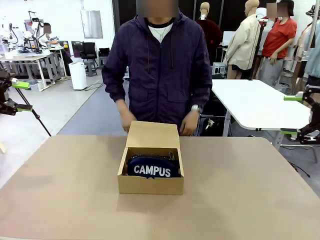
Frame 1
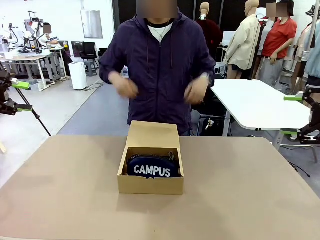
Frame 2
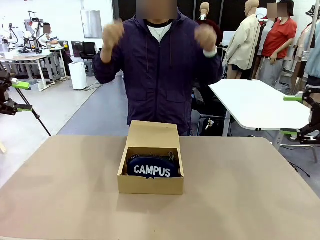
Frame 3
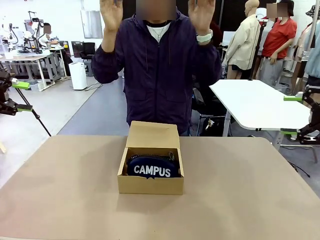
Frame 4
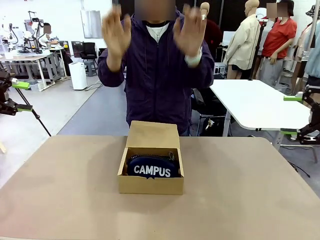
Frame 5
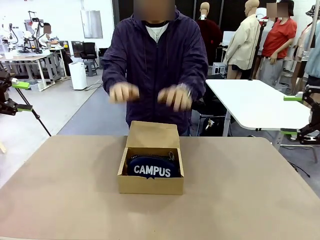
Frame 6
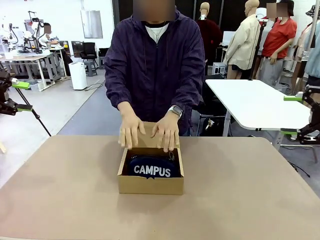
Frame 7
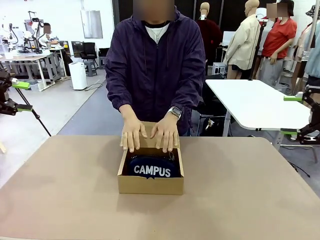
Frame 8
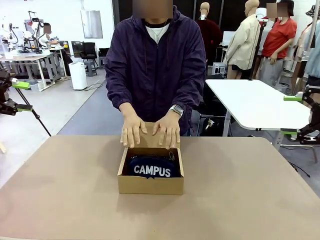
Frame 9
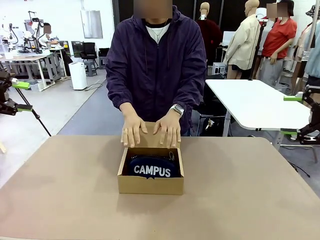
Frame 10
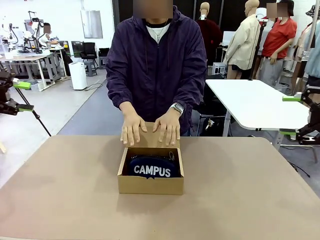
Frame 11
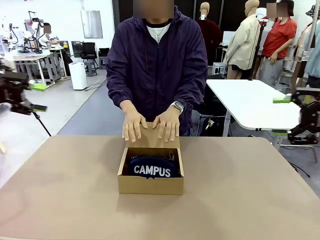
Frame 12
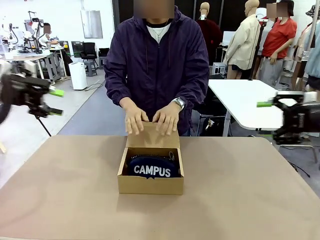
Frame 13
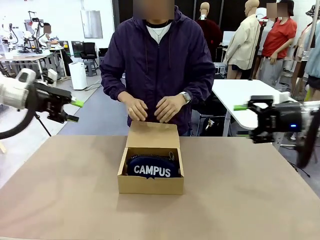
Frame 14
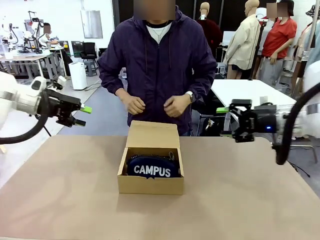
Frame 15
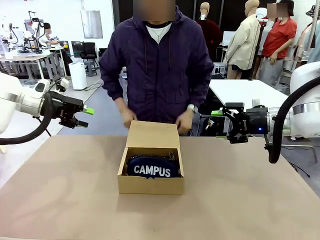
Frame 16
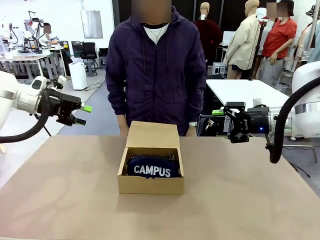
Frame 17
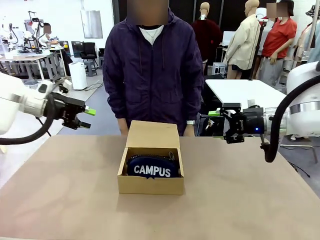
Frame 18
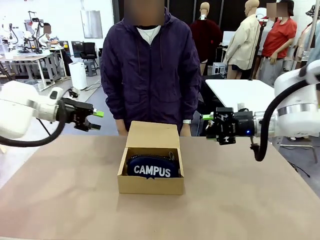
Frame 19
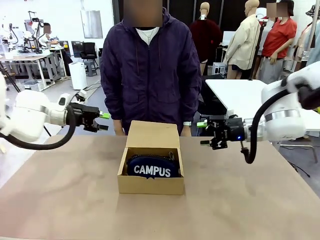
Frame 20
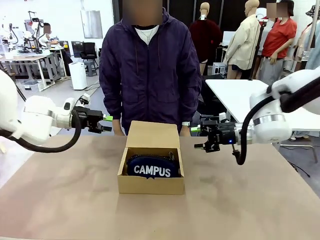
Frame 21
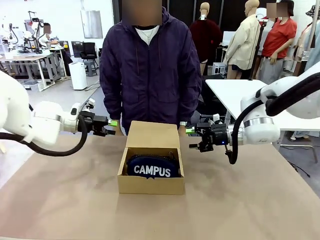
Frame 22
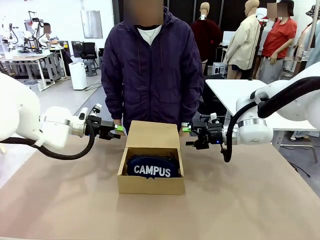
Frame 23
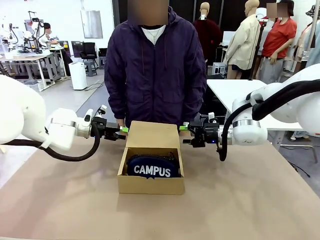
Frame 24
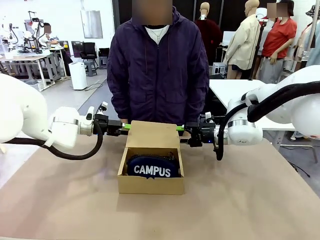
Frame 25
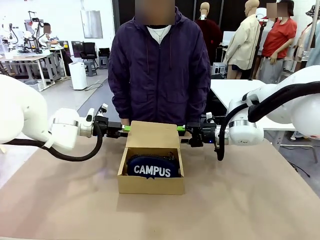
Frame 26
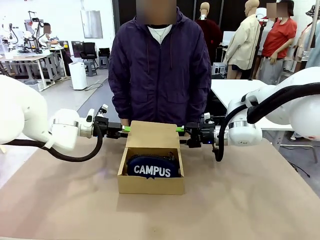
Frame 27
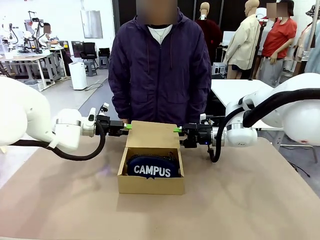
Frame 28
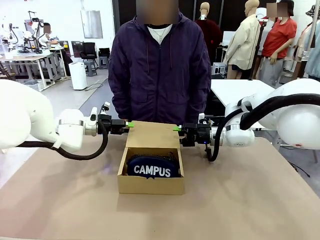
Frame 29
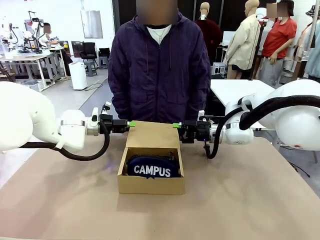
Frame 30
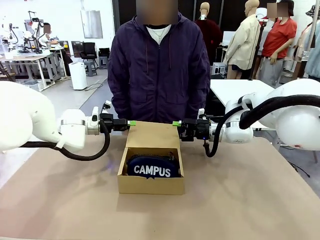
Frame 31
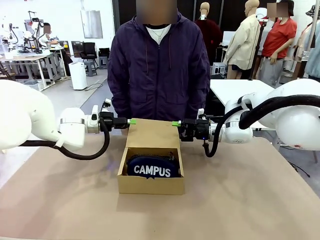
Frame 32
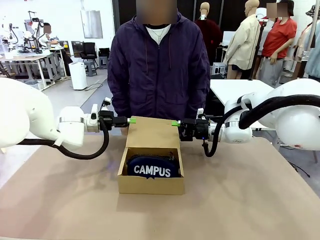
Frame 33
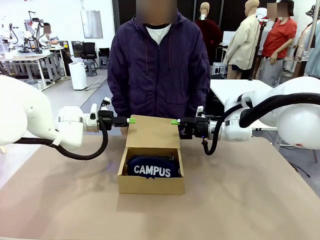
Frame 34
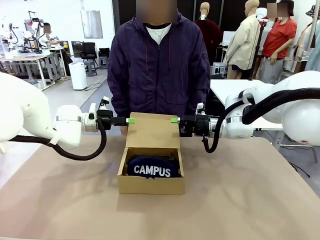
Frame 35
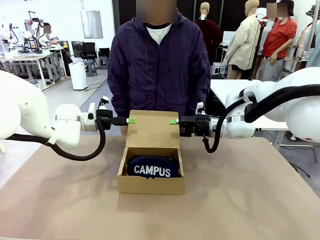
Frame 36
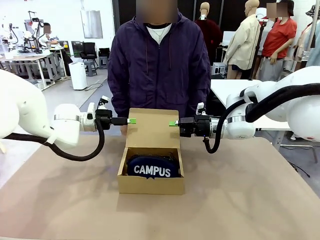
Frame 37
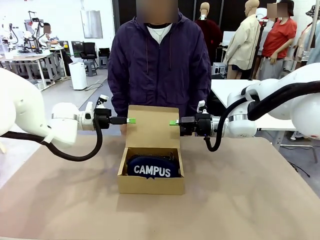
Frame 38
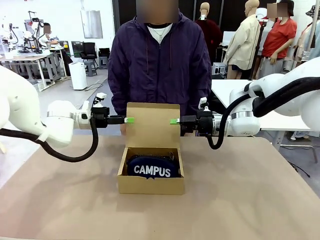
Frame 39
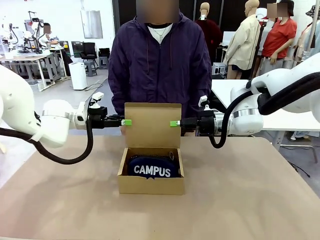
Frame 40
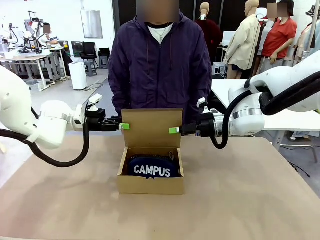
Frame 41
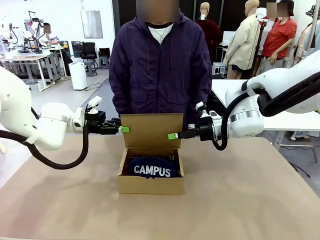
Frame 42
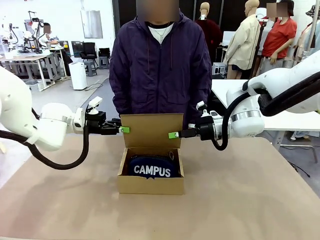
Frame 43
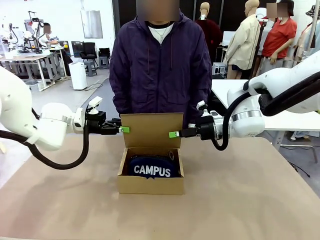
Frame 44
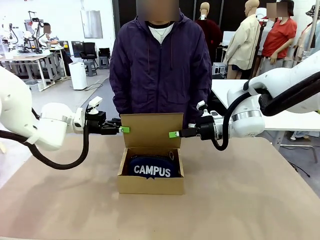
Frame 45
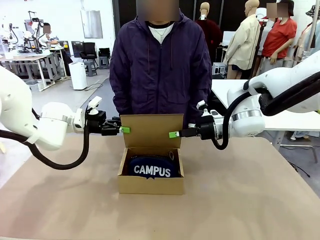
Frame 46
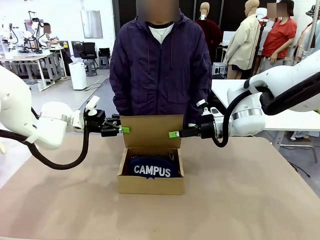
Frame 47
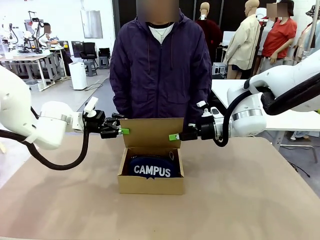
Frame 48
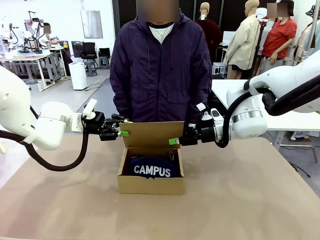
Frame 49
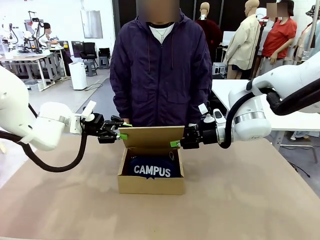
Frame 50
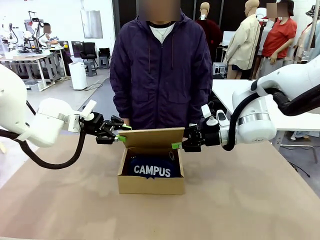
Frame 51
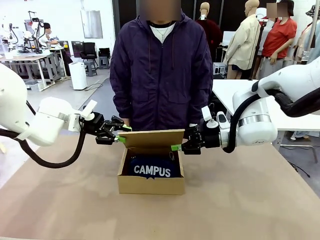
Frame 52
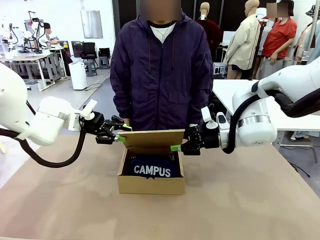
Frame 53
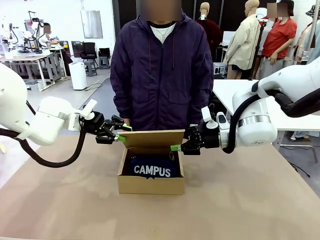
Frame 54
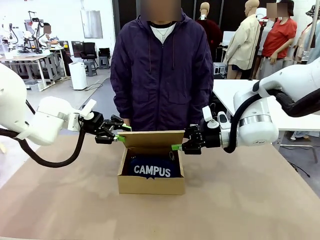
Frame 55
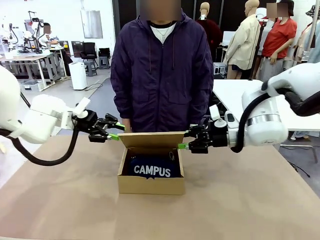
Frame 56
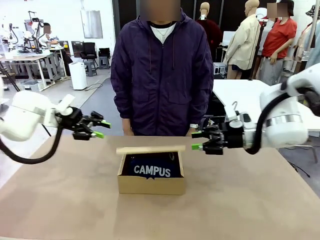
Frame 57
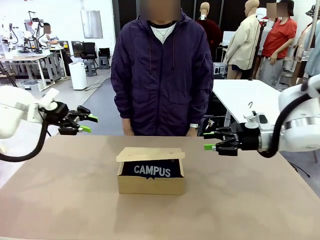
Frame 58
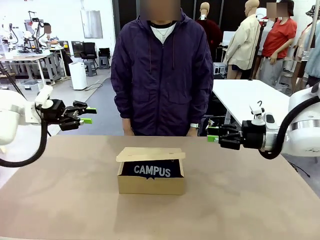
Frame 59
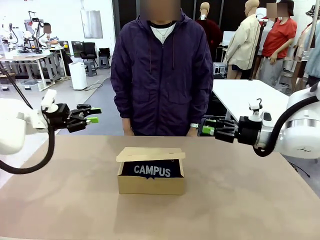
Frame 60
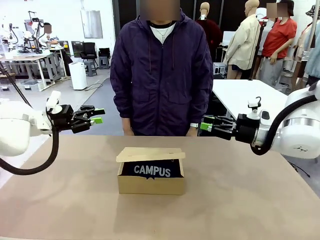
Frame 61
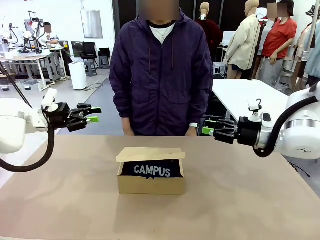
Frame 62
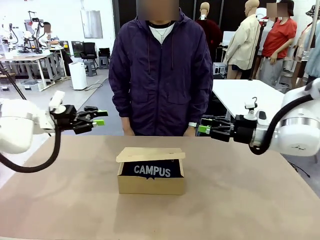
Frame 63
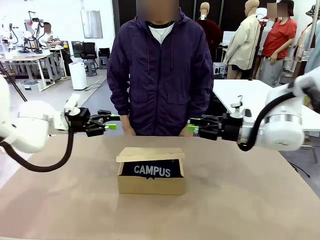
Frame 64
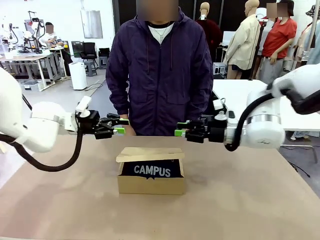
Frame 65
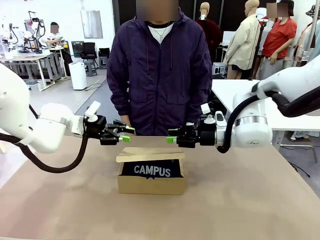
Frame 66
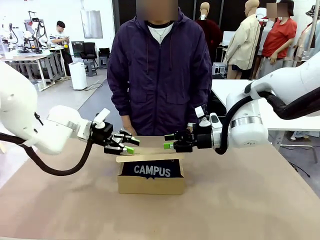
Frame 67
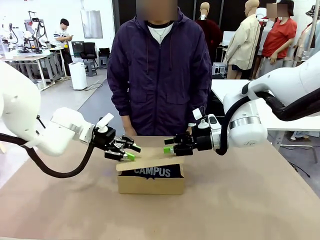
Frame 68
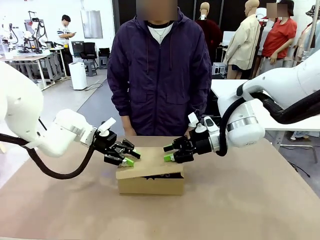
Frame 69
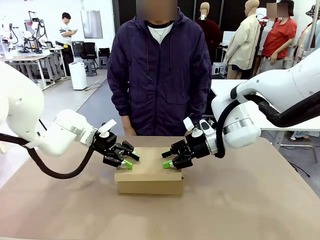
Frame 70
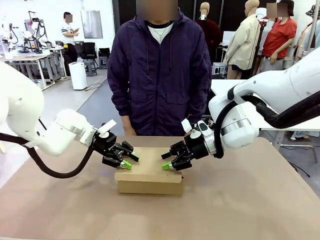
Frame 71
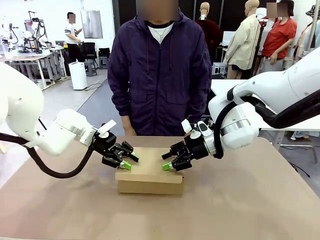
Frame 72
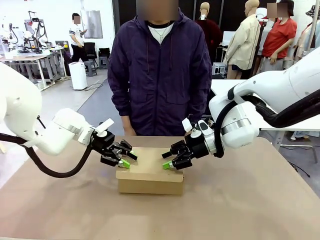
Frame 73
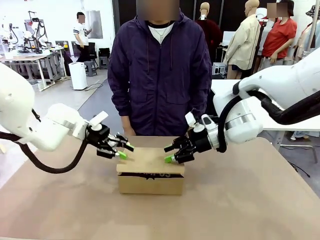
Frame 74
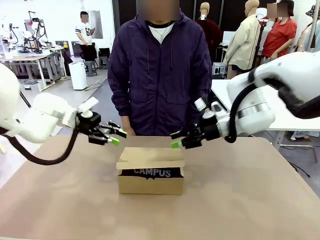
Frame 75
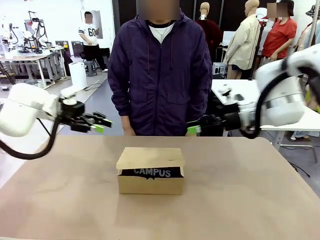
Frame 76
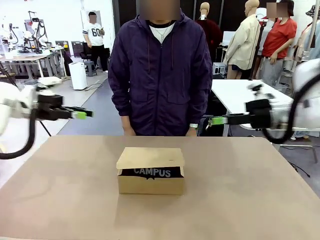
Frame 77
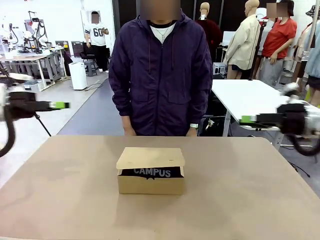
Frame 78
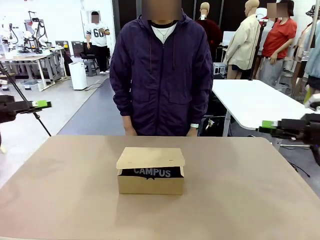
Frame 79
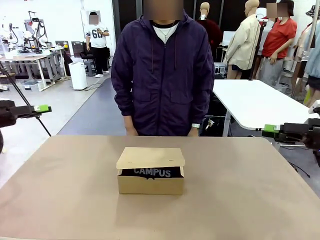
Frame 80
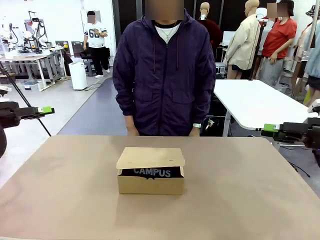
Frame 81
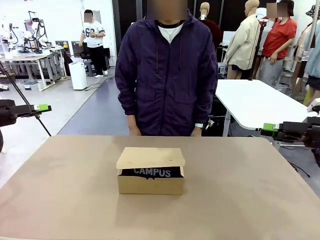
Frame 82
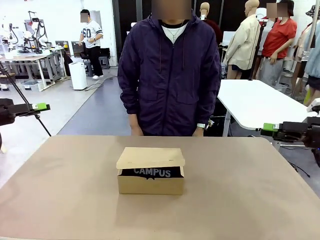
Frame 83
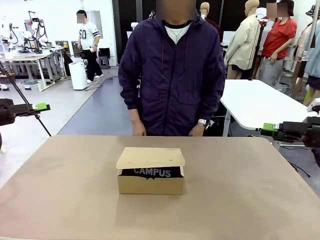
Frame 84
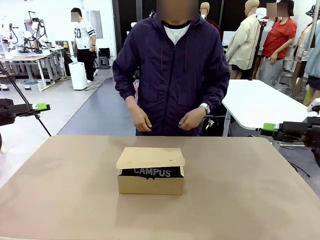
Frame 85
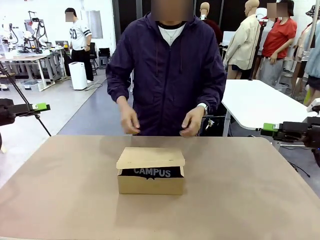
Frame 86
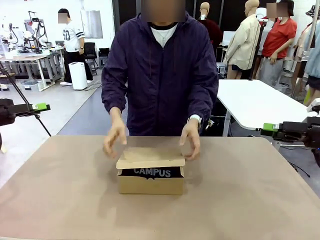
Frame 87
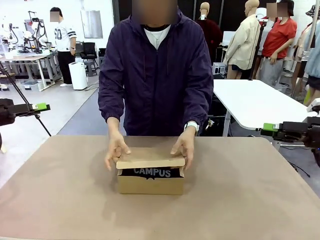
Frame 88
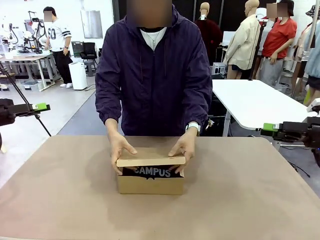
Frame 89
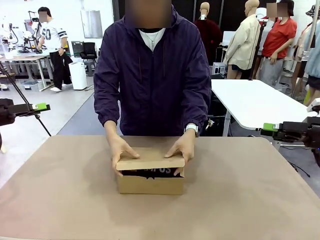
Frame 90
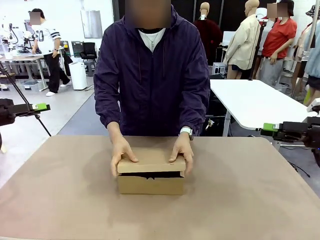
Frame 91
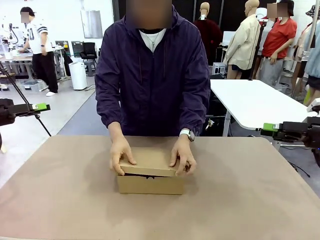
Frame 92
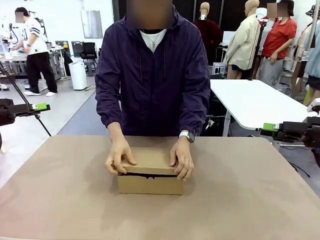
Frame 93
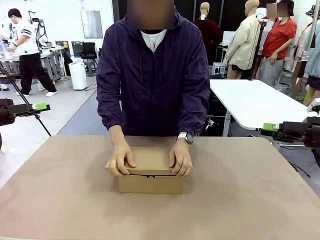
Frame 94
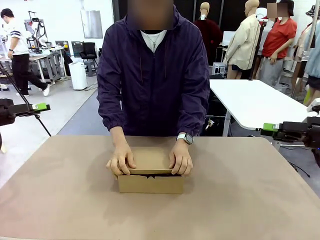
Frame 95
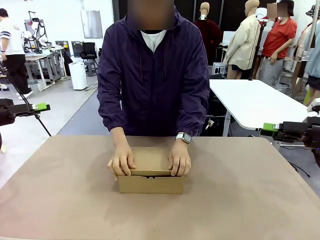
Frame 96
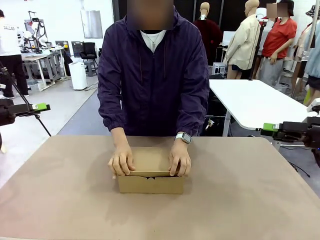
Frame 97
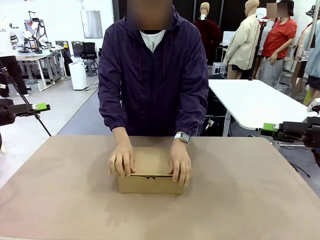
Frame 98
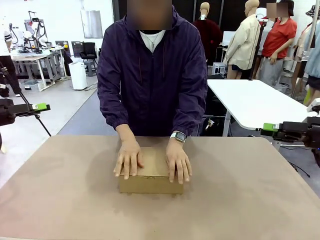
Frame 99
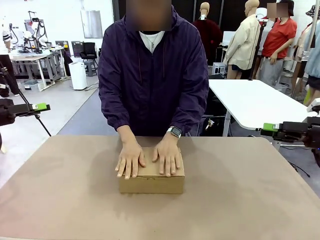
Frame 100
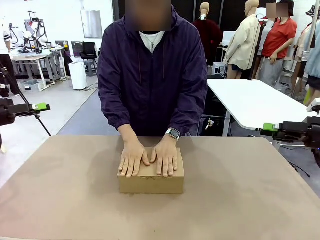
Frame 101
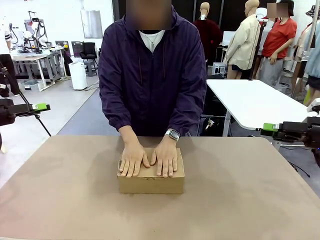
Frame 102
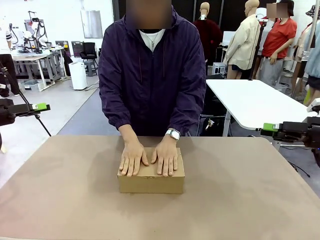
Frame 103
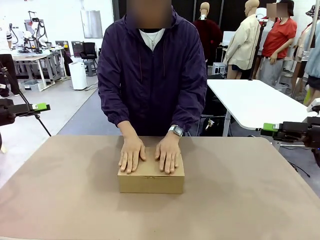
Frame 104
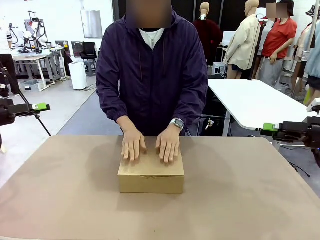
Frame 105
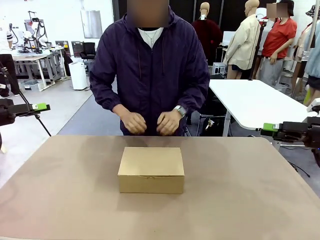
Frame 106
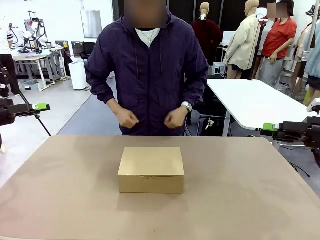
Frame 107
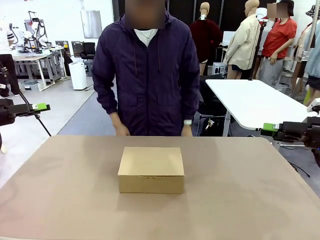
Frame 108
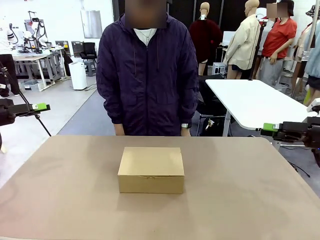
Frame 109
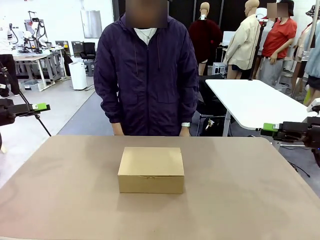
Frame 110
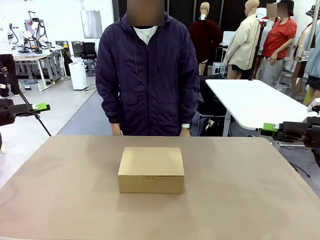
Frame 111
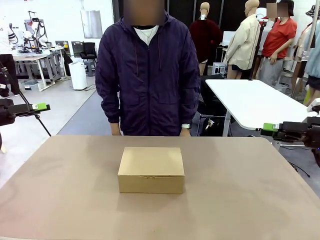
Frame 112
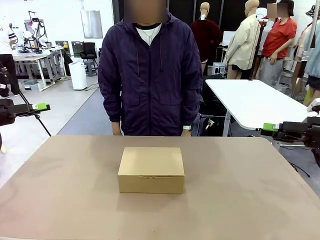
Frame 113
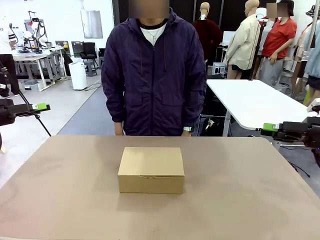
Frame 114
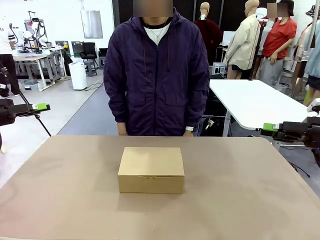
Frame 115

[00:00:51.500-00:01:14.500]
Task: Pack the items into the box.
Robot: Close the Mailer Box.
Person: Turn the box and lock it.
